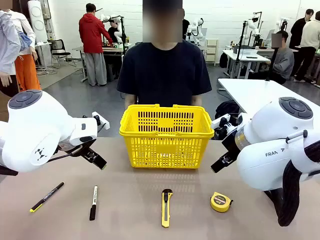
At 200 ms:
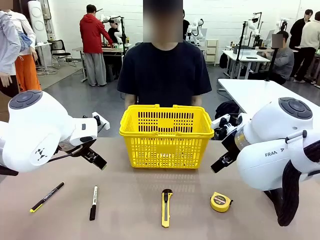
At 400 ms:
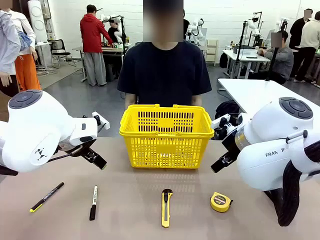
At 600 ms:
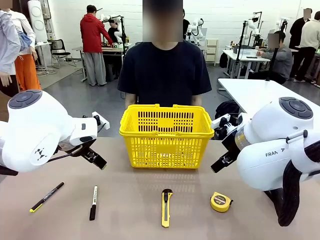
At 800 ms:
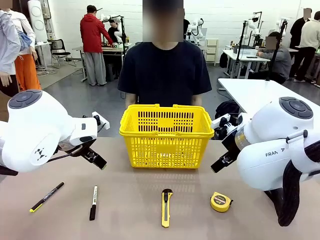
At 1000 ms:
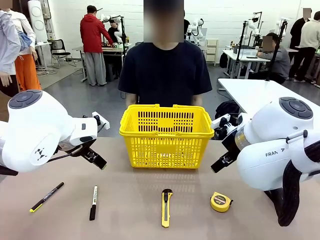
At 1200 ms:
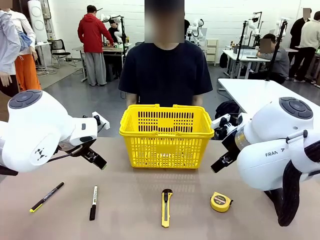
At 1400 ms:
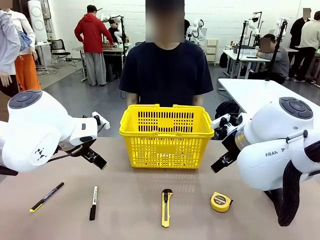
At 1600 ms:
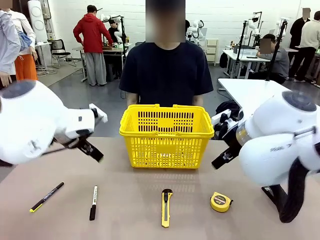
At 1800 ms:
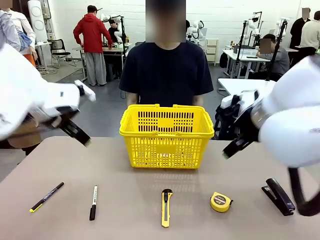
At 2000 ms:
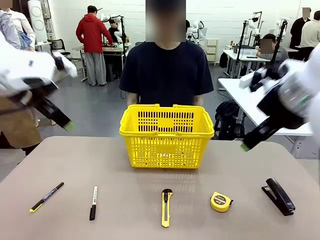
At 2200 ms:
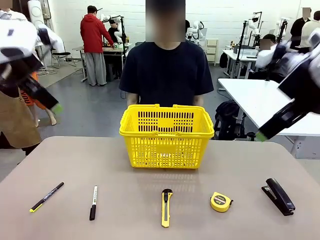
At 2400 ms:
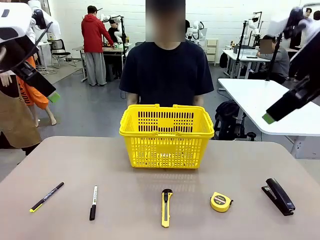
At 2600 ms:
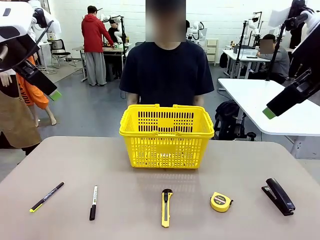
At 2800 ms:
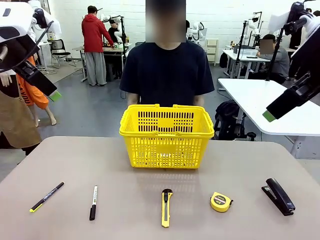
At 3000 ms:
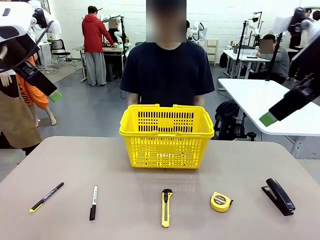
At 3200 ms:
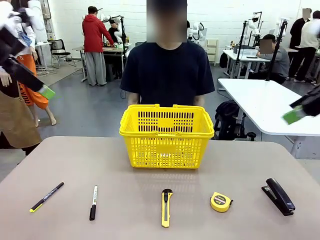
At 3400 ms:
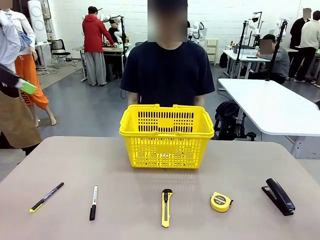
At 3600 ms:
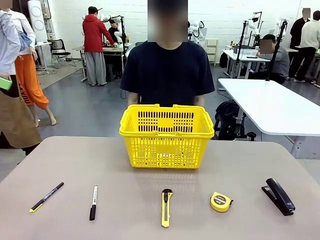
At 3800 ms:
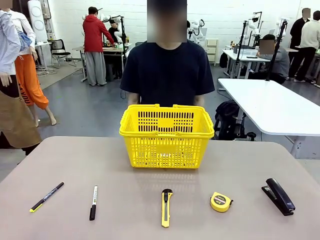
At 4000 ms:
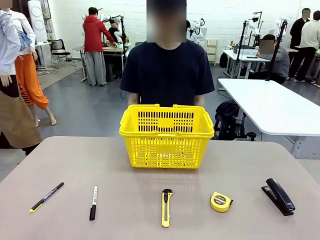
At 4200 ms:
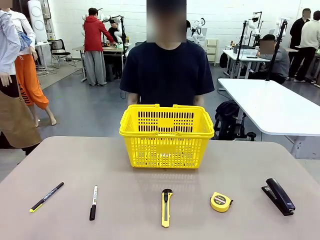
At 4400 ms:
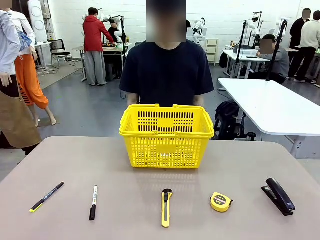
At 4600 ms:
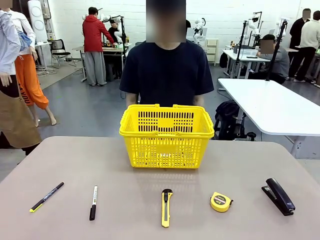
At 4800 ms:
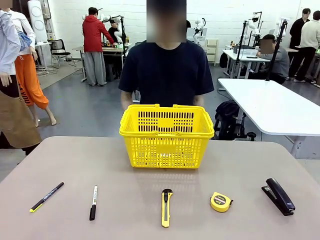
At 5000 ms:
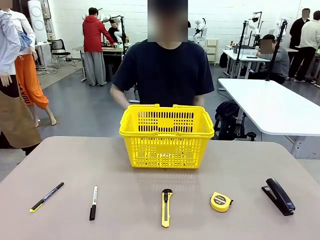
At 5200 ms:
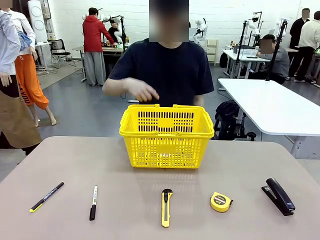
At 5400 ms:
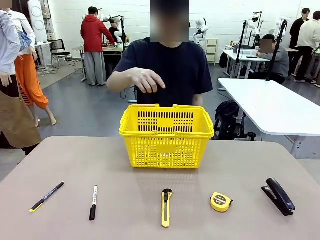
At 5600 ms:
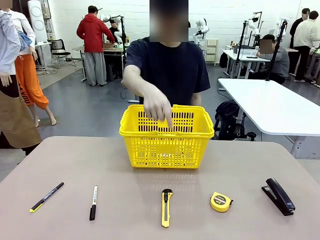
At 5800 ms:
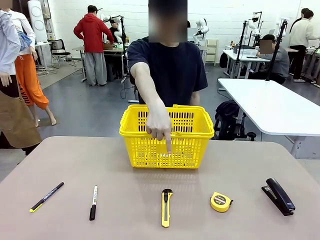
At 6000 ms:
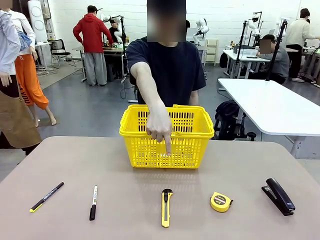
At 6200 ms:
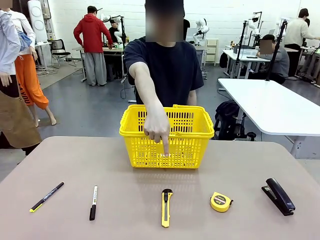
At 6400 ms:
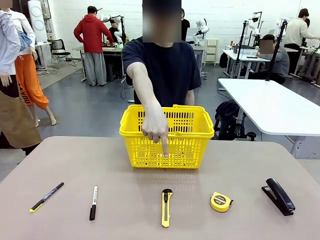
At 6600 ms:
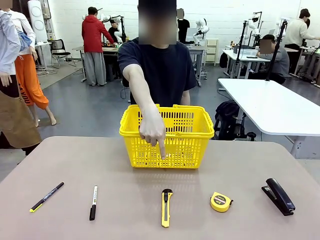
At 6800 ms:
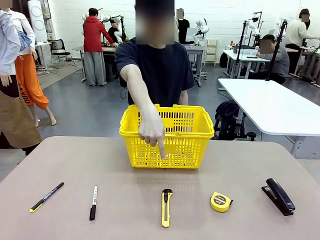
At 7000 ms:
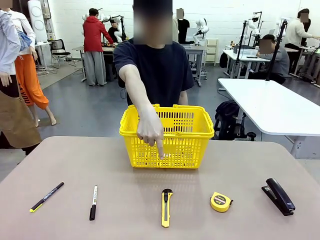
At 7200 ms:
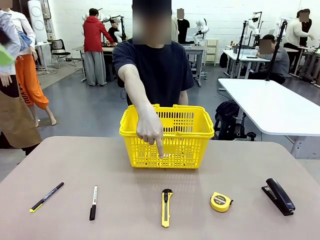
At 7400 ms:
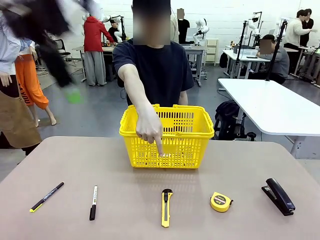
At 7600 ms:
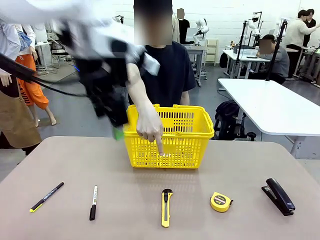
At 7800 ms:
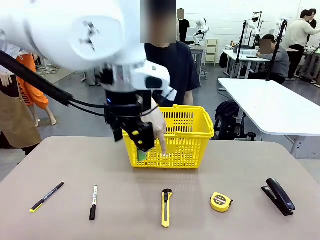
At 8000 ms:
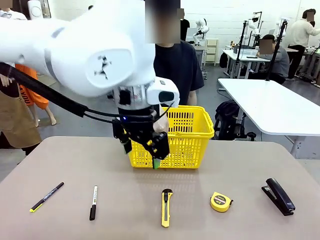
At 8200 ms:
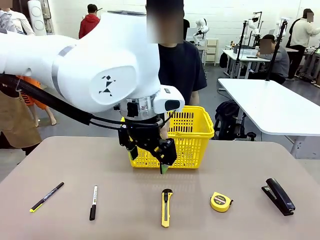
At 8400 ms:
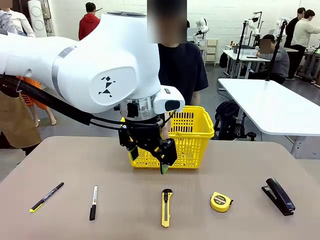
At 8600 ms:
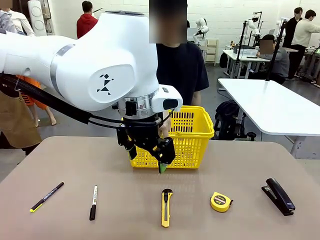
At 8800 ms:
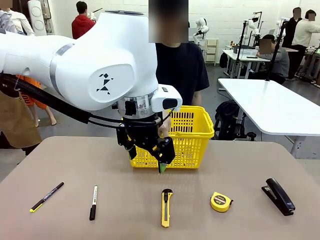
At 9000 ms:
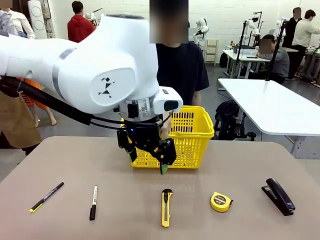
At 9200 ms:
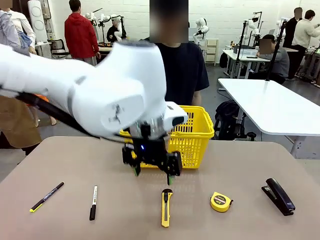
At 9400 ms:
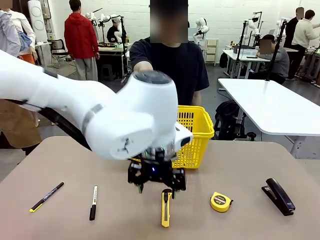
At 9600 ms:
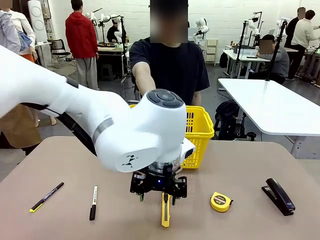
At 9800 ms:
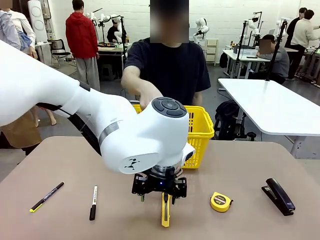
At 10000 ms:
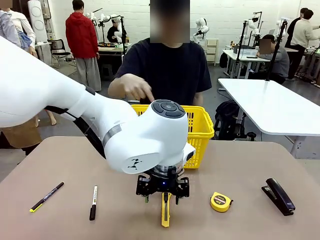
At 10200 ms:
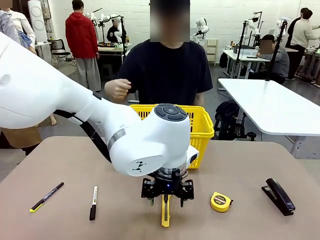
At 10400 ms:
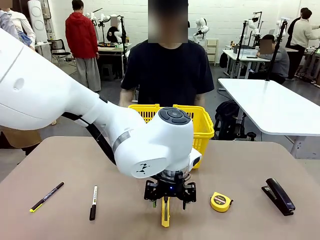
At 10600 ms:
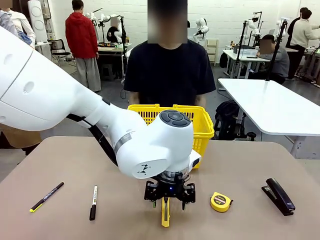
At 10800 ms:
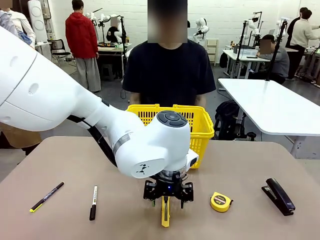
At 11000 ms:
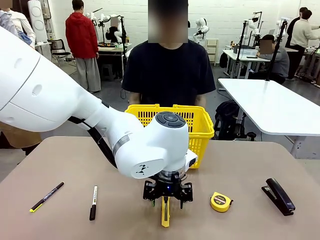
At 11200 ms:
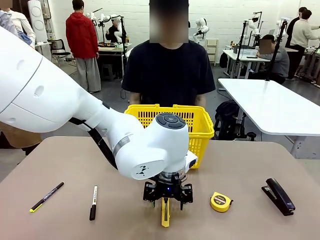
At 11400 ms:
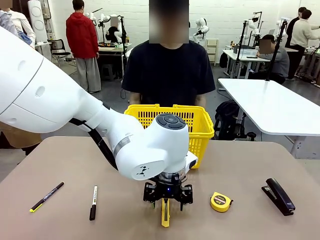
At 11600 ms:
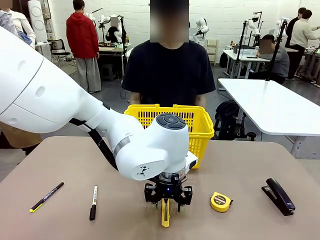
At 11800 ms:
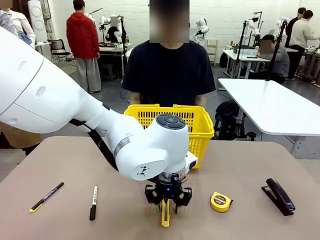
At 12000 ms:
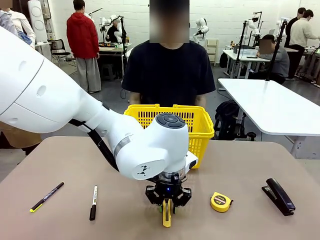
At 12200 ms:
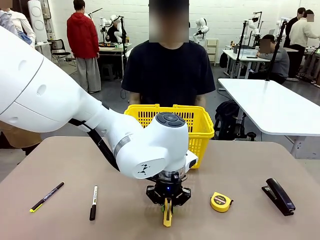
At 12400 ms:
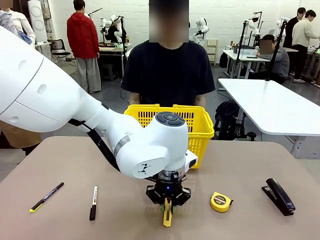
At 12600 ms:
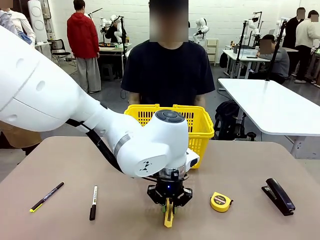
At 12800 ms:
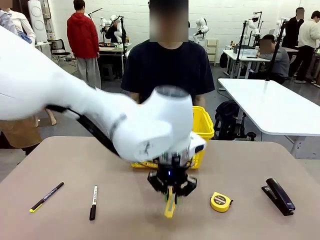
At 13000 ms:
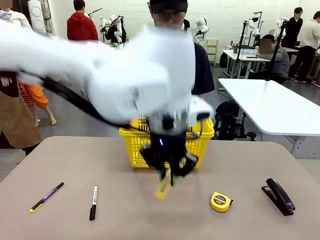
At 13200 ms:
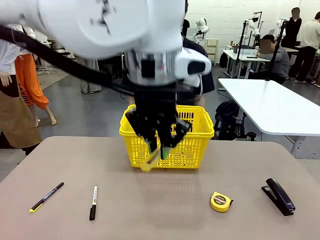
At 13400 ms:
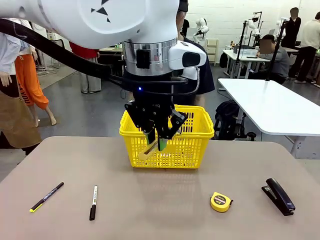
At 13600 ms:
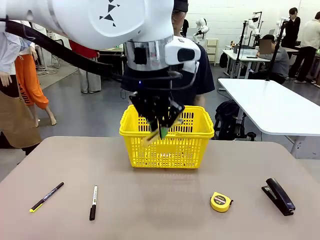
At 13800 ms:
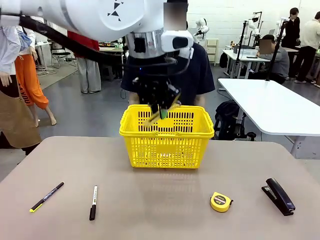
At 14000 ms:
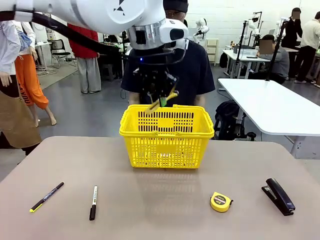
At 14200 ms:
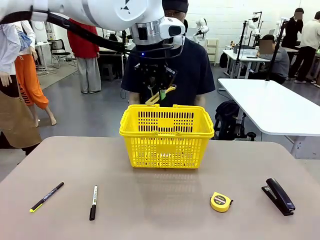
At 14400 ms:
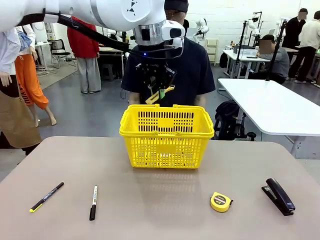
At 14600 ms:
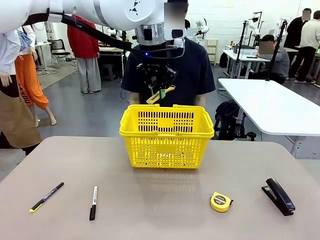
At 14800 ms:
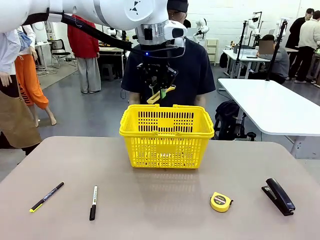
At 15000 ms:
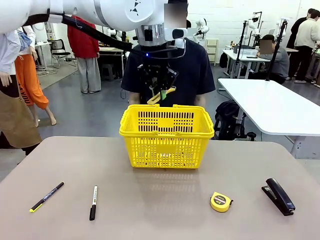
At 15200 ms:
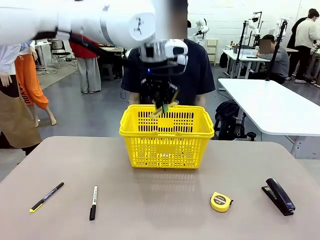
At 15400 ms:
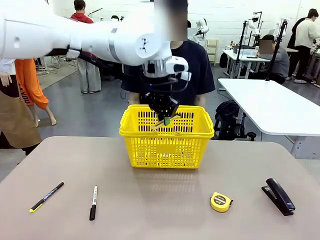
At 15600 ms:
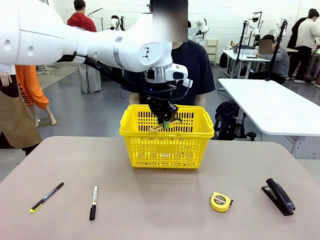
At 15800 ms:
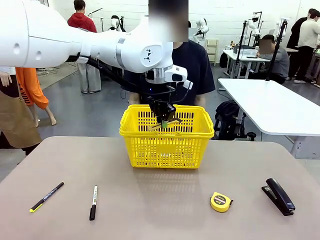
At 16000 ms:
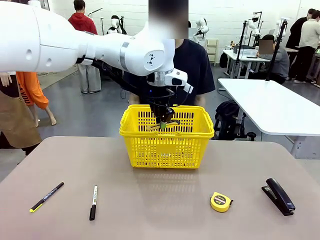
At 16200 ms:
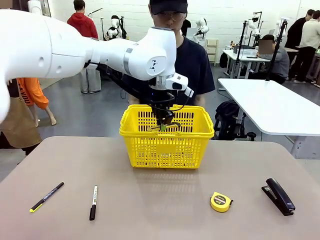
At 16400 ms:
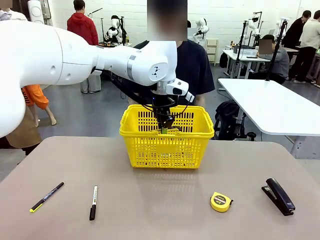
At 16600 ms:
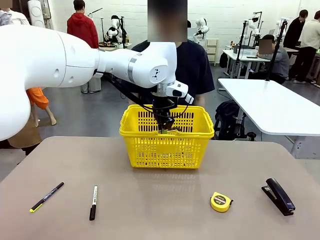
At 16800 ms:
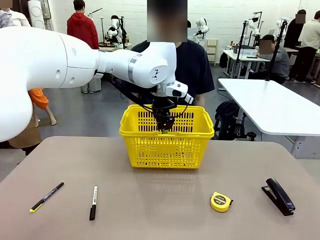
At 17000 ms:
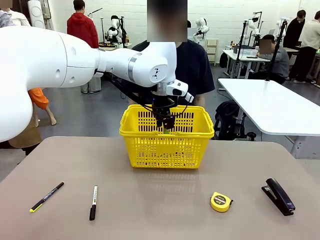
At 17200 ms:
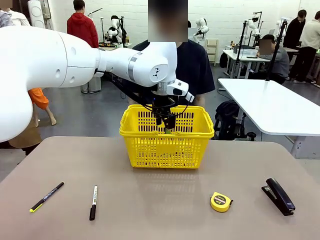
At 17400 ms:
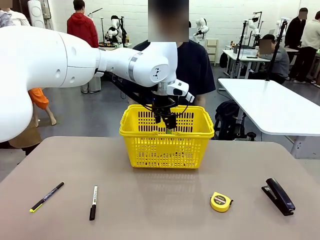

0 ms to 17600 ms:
Task: Place the items the person wants into the basket.
Robot: Pick up the item the person points to and place it in the Market Basket.
